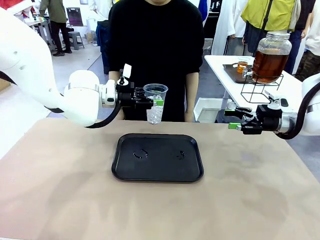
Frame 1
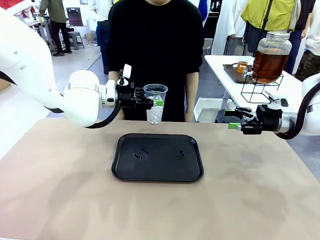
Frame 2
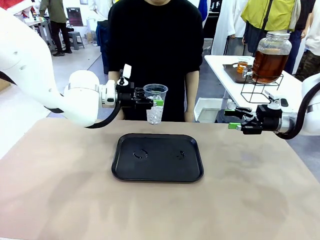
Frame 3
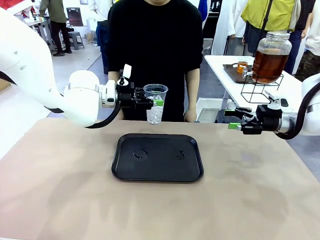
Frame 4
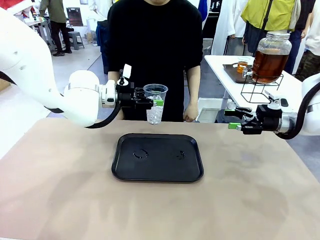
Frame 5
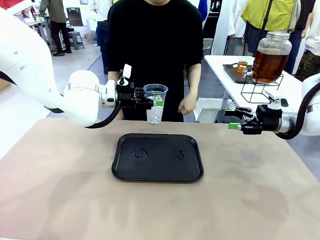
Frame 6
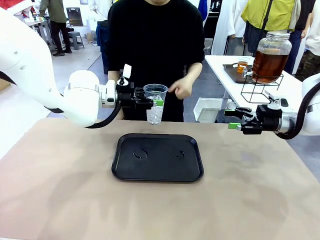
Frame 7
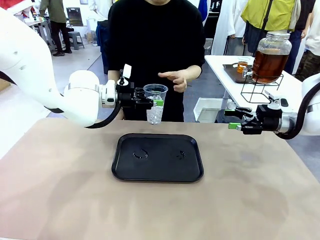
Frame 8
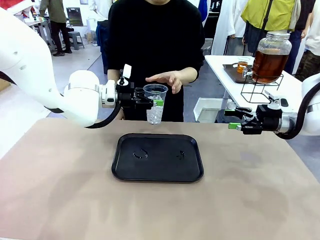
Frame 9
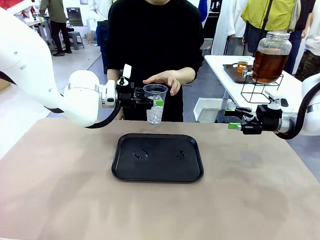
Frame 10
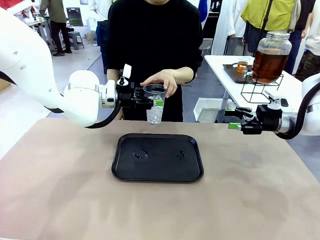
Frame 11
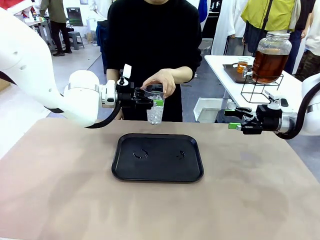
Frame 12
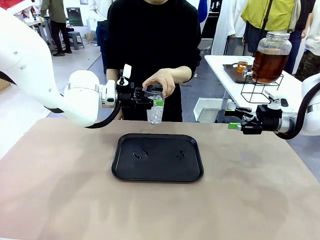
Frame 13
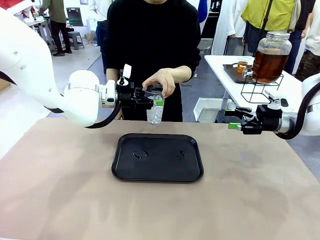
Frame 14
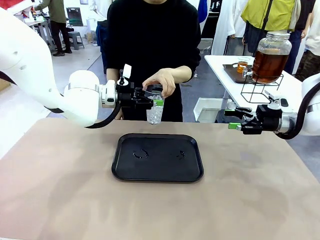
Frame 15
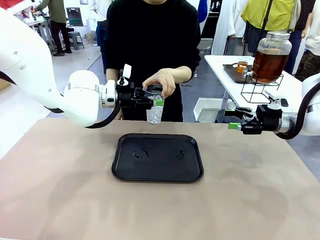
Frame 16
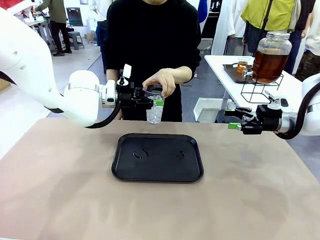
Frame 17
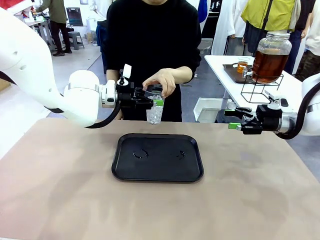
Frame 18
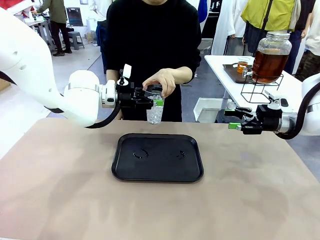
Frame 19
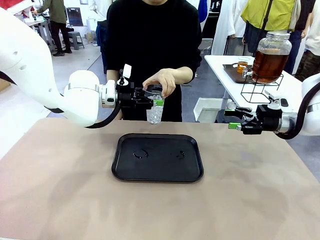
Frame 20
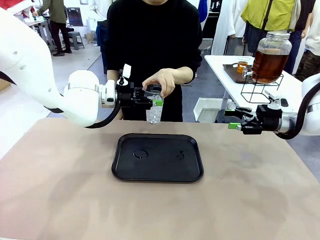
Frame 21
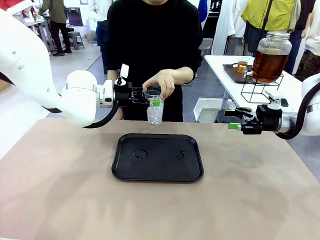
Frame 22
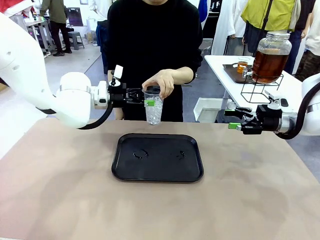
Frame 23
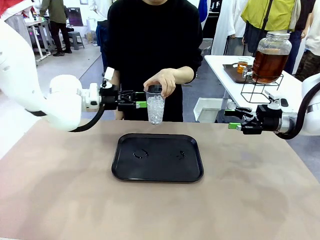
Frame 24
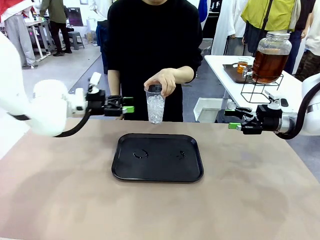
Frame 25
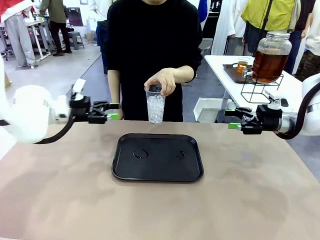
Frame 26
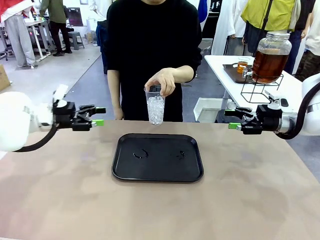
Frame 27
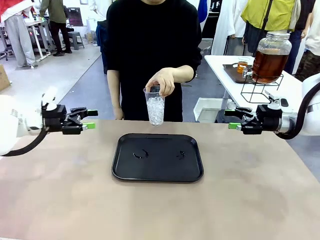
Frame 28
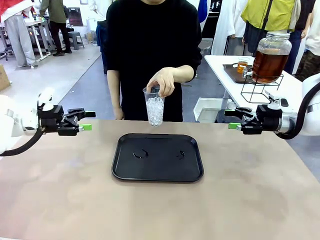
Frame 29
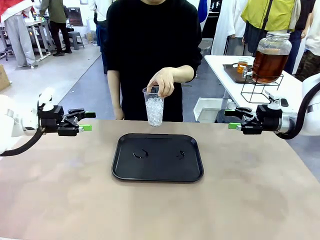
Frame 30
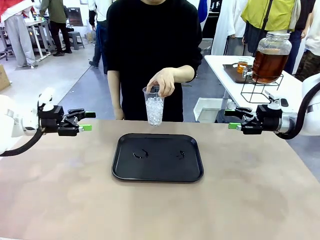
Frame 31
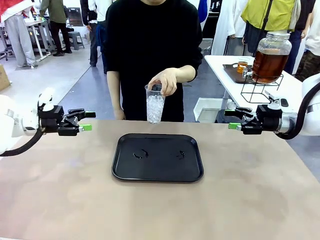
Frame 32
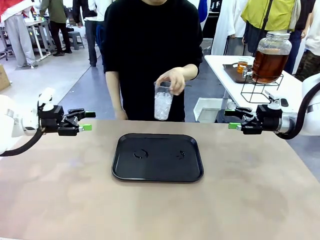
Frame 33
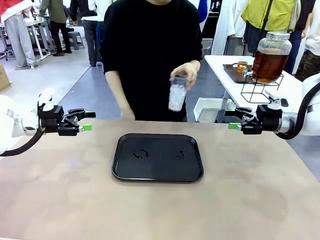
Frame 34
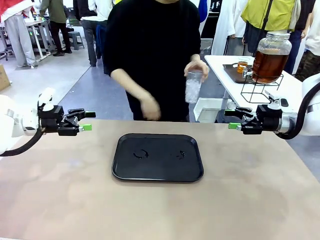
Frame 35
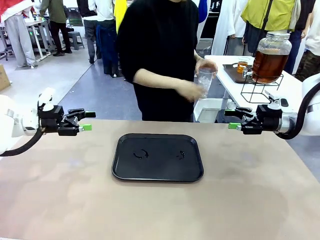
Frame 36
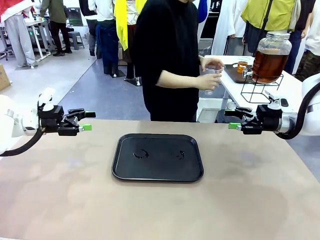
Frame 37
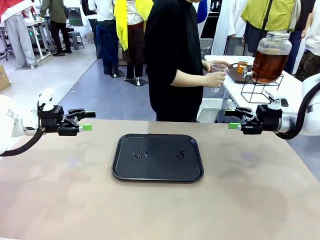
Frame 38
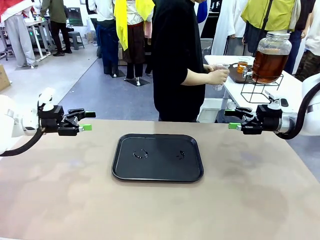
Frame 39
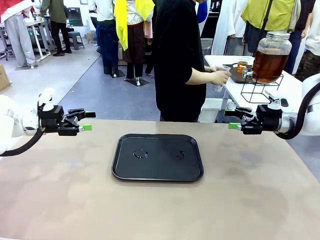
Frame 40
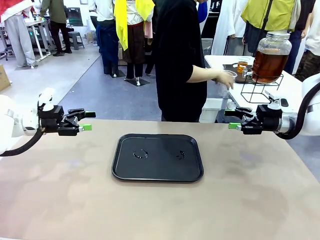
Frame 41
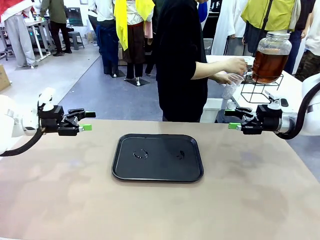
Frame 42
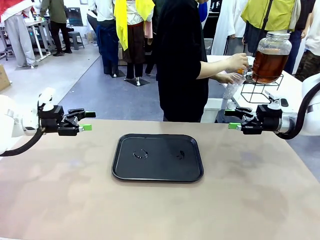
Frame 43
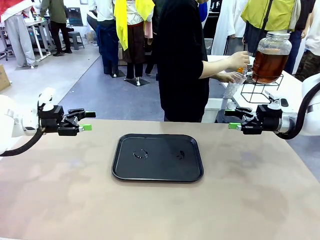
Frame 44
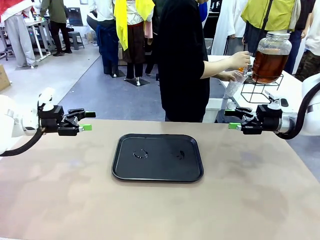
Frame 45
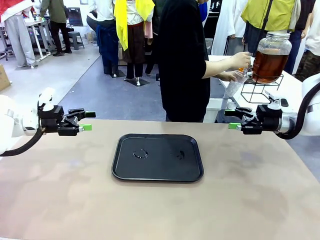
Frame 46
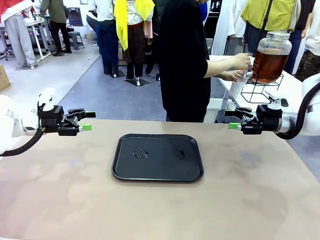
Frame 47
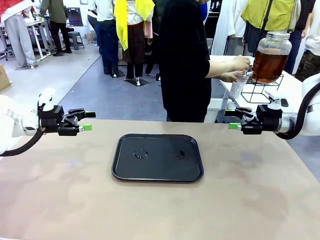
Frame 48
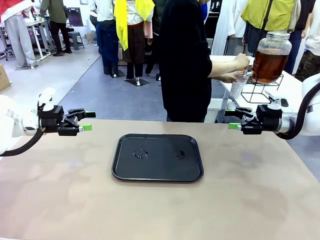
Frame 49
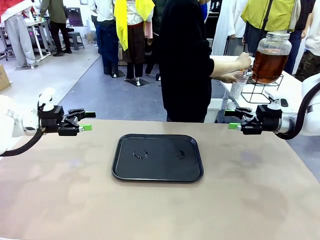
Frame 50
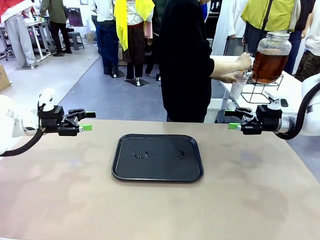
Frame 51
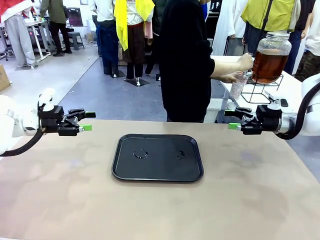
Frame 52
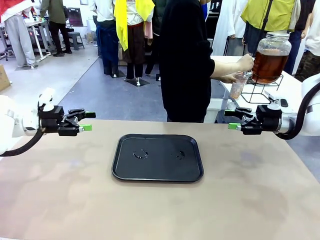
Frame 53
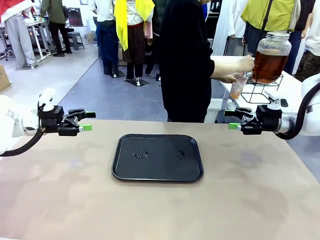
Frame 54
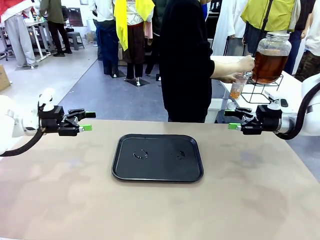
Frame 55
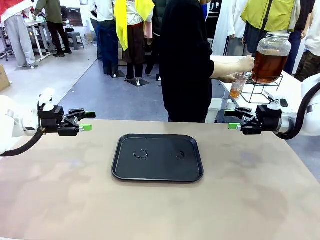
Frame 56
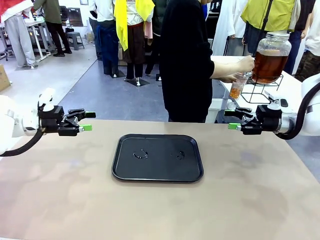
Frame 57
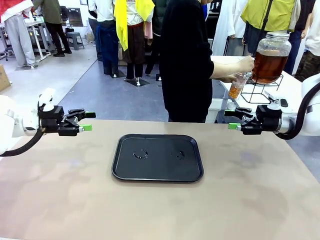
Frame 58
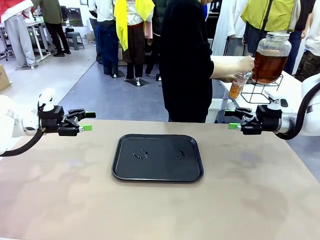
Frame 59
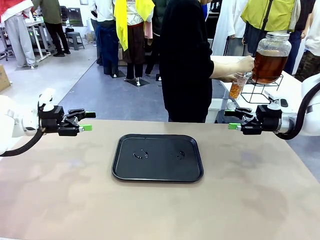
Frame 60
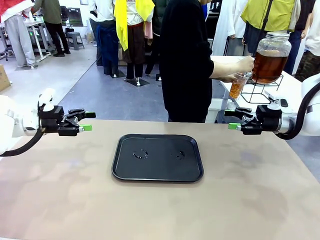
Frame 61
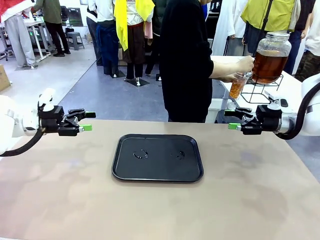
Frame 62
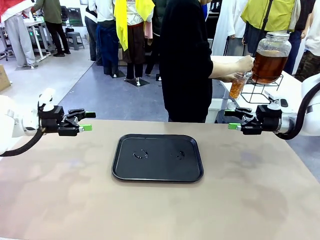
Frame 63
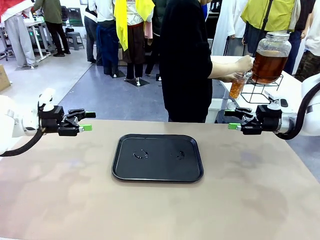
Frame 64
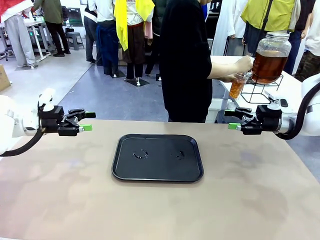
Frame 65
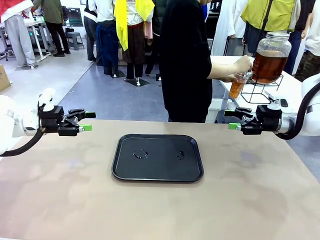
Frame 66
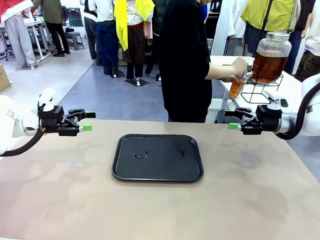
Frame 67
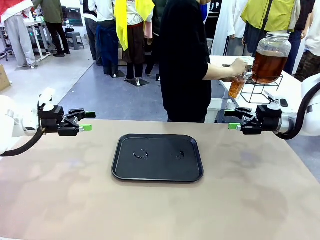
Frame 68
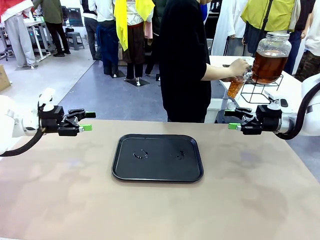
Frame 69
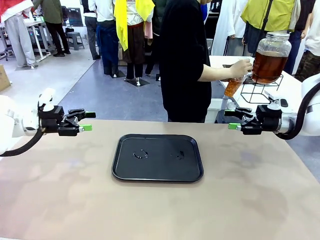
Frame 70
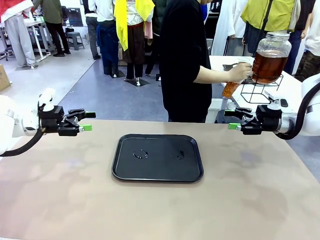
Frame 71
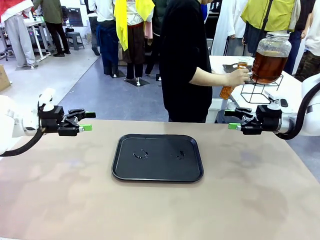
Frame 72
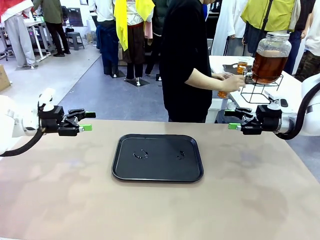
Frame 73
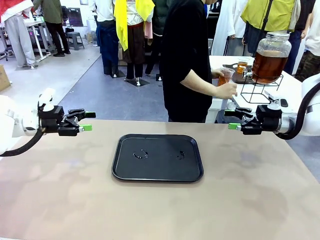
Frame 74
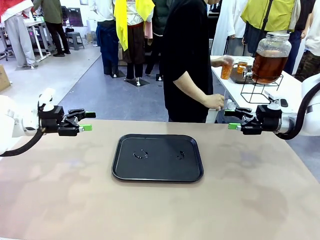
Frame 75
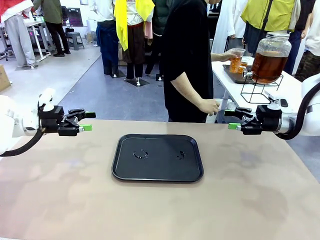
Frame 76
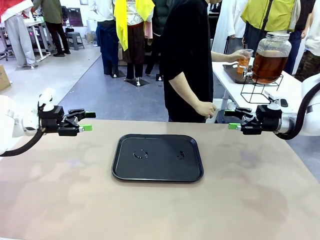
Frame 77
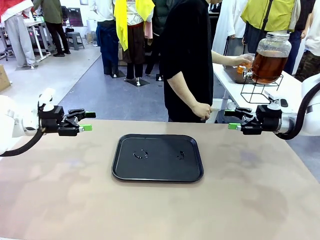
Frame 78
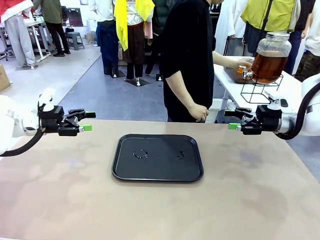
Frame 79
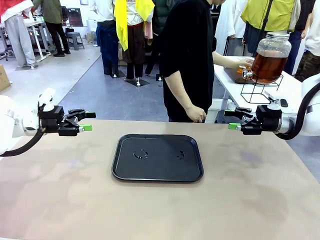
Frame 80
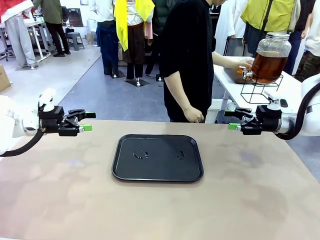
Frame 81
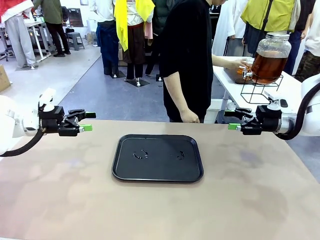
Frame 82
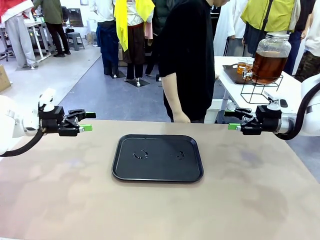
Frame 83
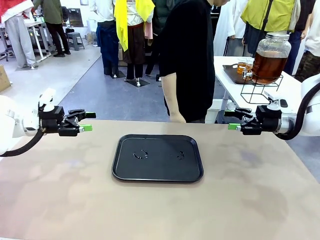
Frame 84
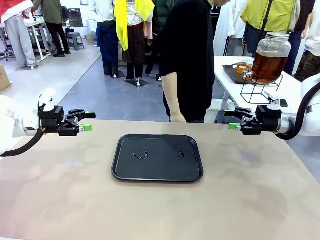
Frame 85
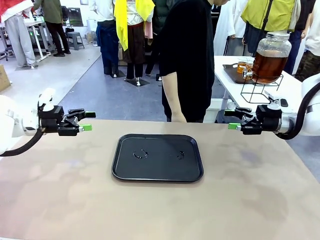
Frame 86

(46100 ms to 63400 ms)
Task: Pour the drink into the iced cup.
Robot: Open the gripper to release the iced cup you were holding.
Person: Move the picked-up cup under the dispenser faucet, pour the drink, and place it on the tray on the human table.
